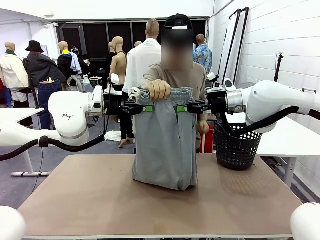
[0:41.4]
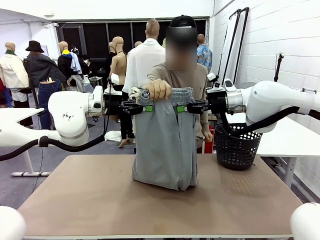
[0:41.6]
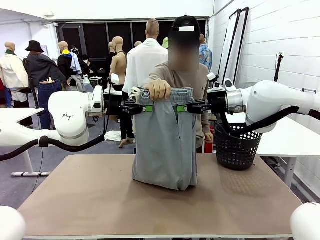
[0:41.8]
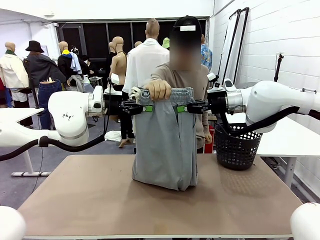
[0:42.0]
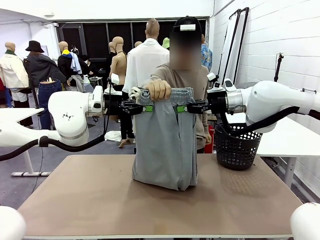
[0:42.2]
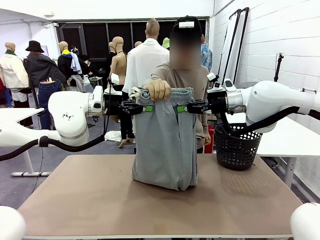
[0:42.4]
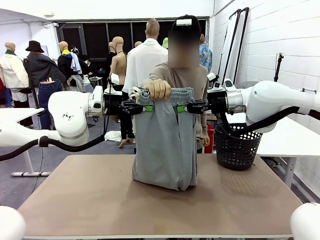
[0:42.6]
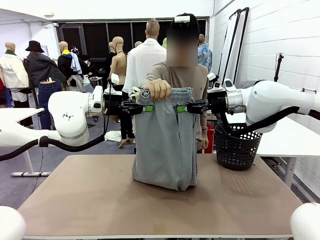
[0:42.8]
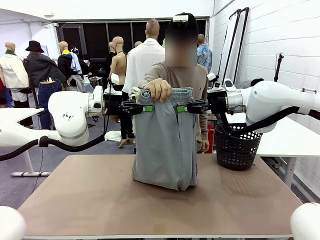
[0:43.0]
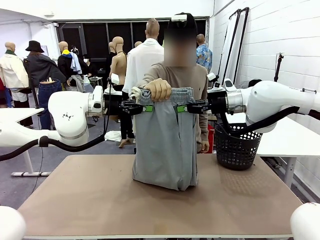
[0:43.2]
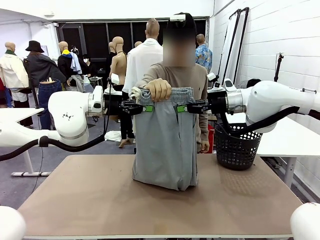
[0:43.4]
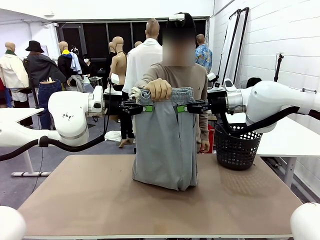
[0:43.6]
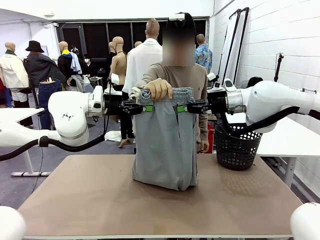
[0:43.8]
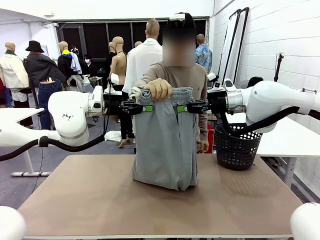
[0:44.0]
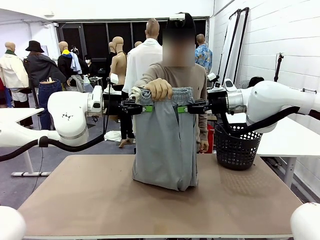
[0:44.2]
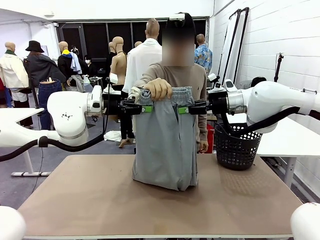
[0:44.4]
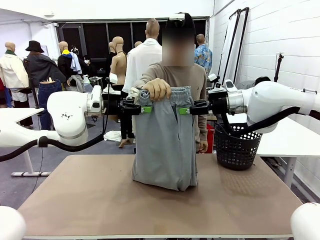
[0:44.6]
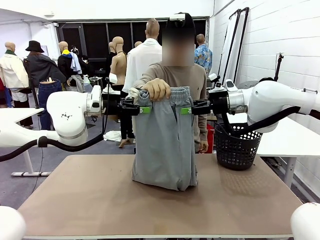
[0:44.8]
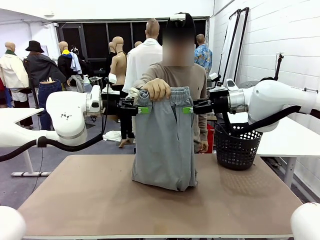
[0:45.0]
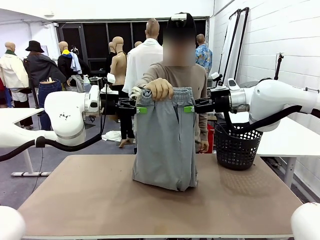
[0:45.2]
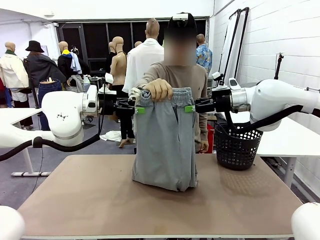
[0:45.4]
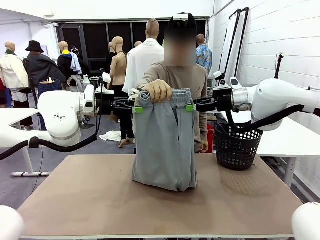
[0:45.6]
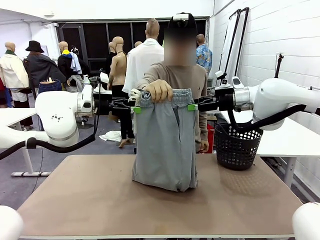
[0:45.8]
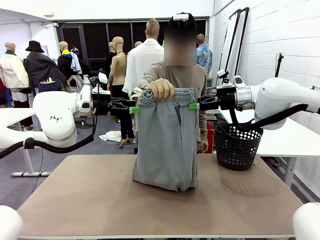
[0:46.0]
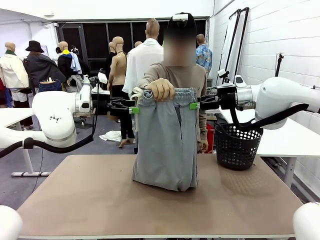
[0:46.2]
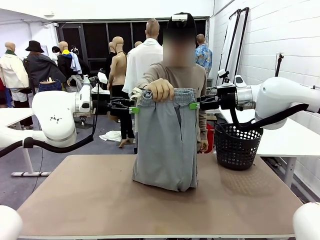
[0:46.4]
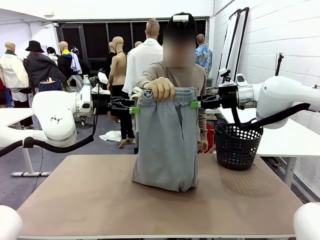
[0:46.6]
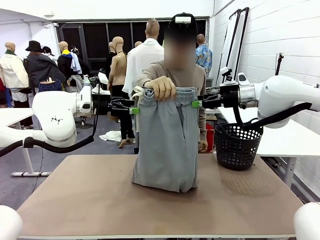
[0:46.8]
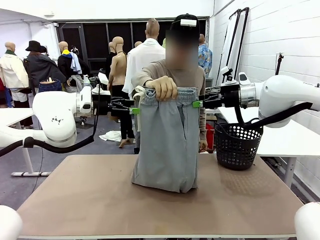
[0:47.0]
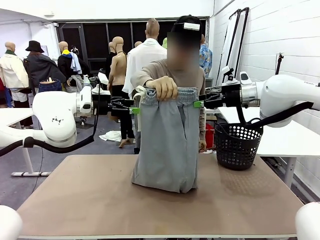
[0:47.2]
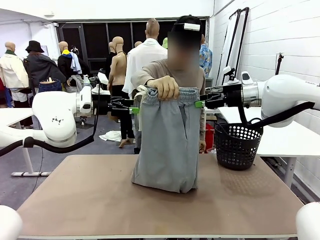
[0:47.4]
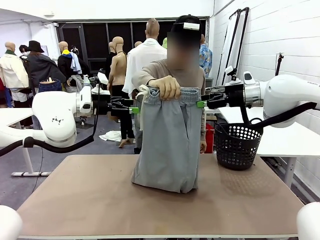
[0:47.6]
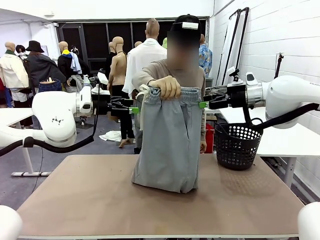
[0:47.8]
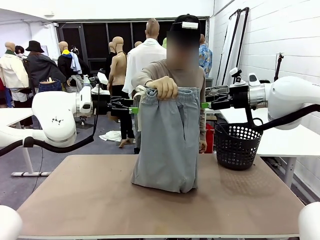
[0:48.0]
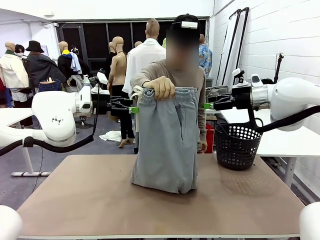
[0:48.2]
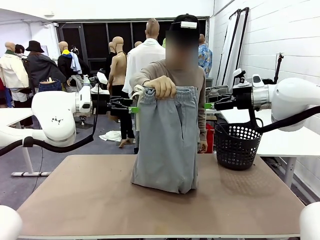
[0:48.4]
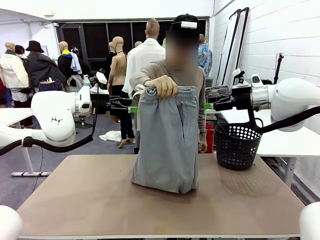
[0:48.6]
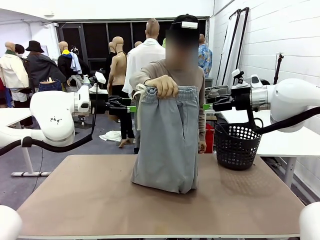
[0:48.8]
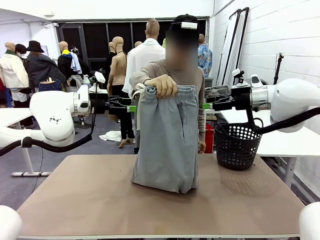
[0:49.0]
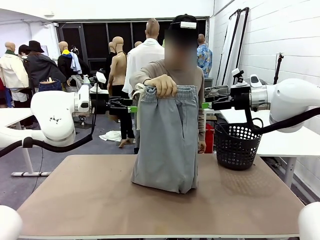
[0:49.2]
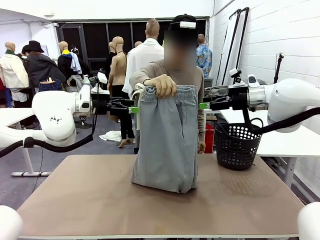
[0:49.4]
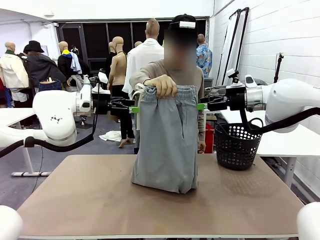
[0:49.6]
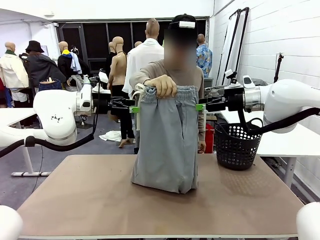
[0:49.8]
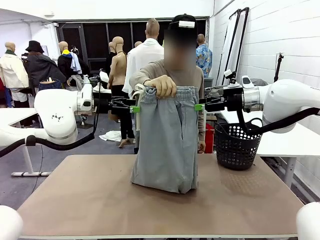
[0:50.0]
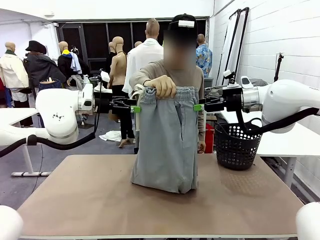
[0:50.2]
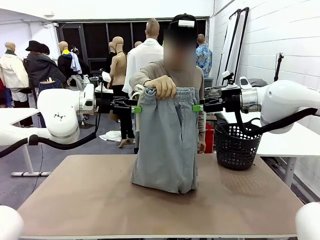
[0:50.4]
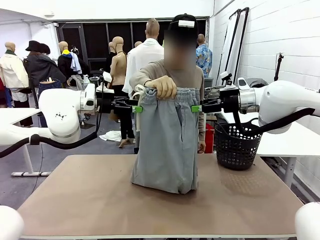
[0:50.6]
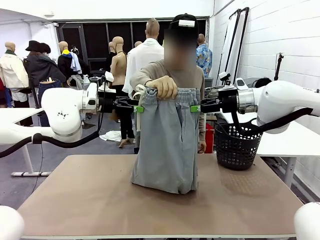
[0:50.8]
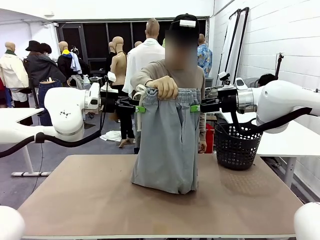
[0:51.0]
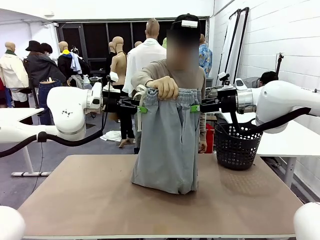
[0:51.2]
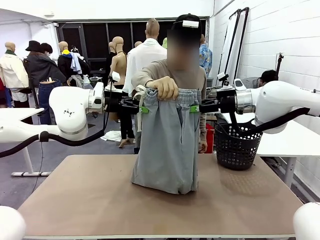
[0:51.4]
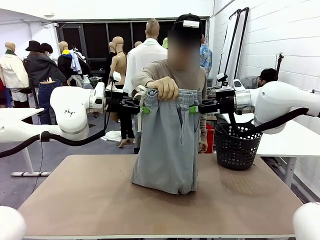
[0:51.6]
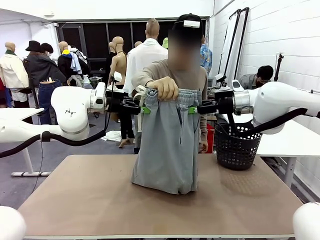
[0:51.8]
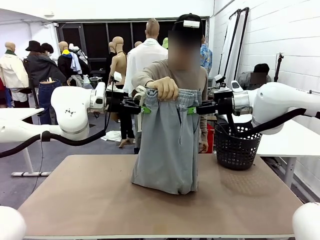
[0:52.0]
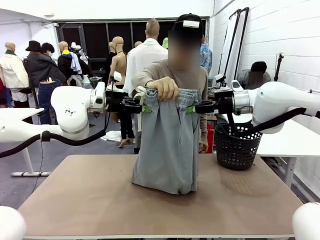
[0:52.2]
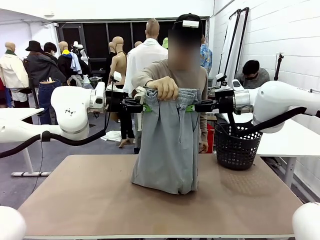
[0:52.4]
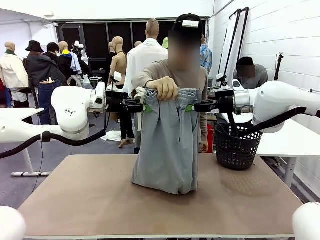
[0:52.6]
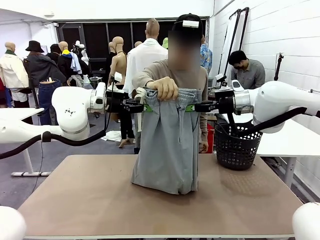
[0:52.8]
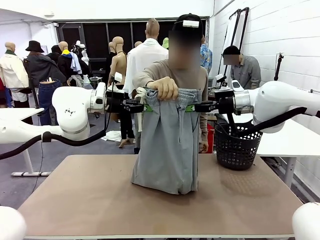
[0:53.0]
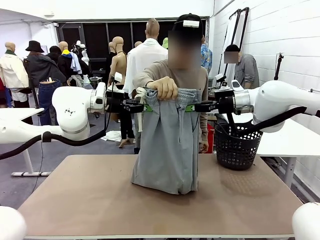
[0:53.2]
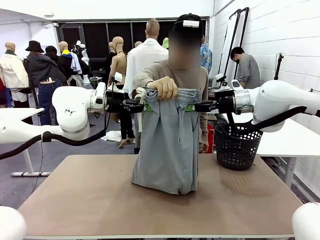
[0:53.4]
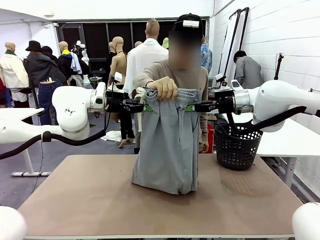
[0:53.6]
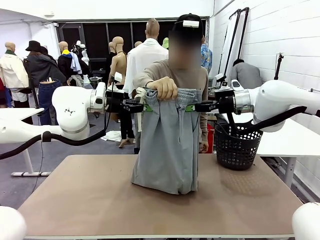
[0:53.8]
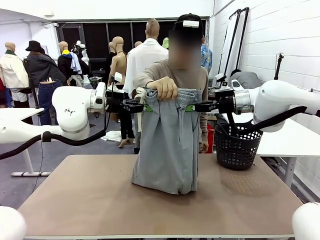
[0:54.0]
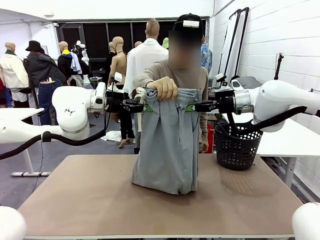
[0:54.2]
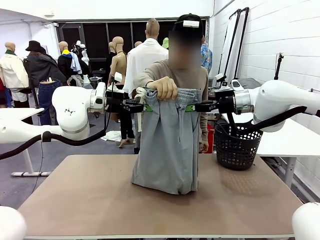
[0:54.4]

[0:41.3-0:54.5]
Task: Fold the training pants.
Robot: Release the ends of the Training pants and then grab the overlapped ends.
Person: Release the pants you were holding.
